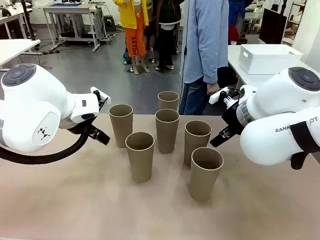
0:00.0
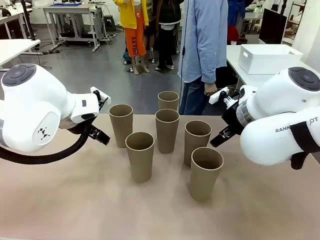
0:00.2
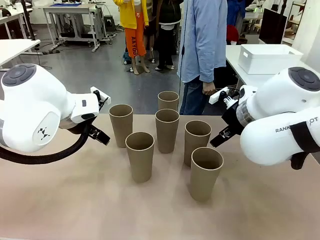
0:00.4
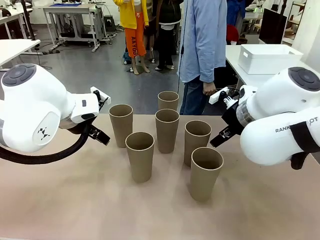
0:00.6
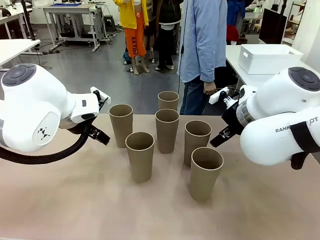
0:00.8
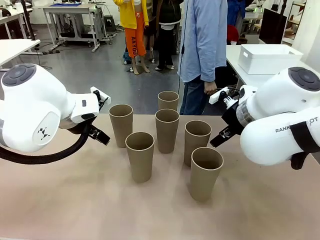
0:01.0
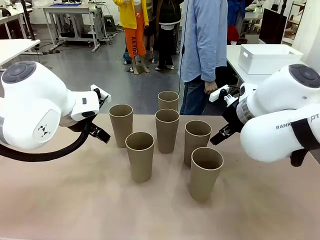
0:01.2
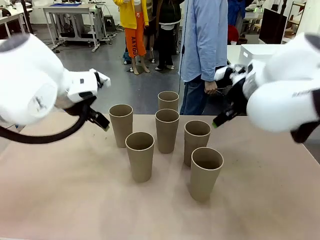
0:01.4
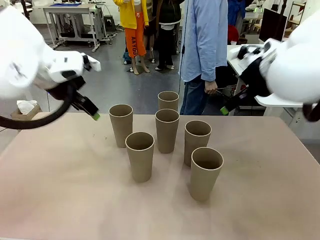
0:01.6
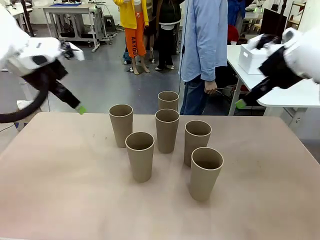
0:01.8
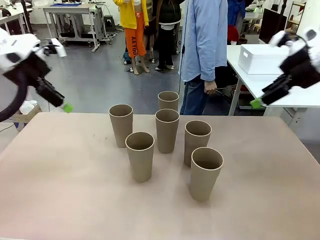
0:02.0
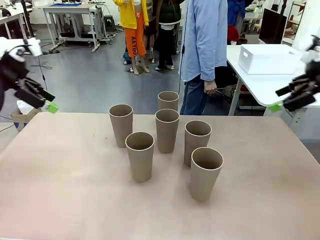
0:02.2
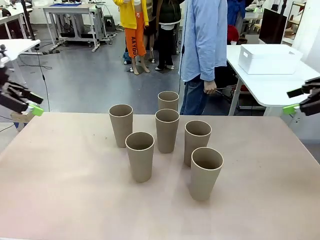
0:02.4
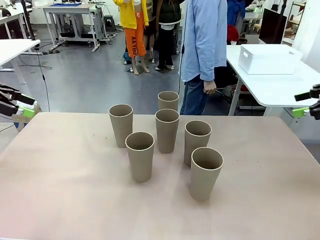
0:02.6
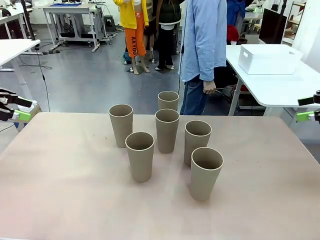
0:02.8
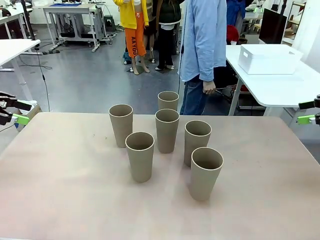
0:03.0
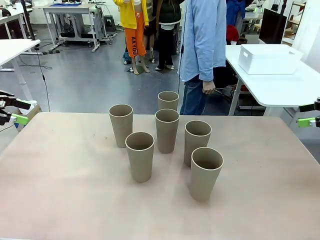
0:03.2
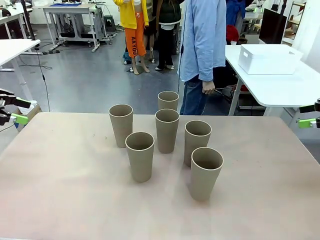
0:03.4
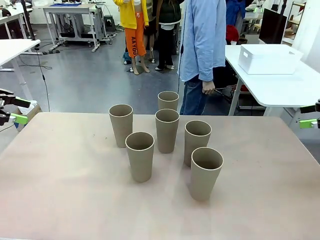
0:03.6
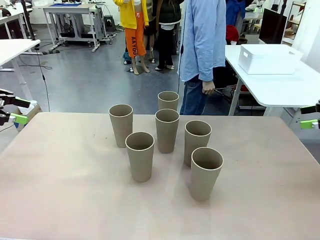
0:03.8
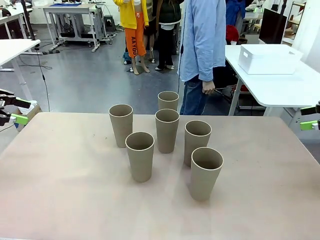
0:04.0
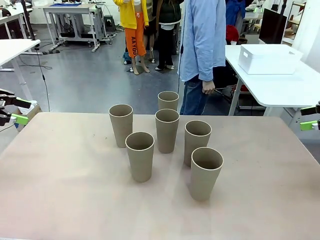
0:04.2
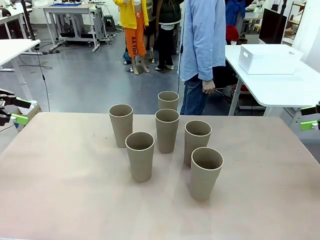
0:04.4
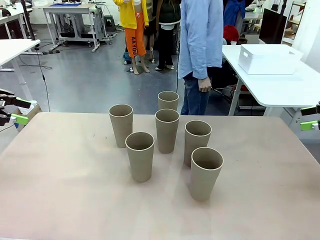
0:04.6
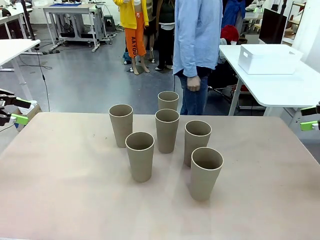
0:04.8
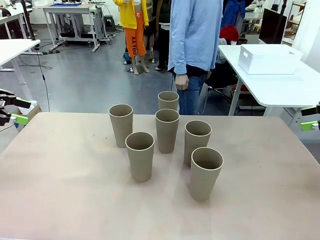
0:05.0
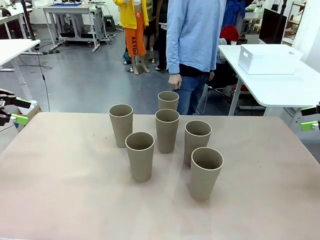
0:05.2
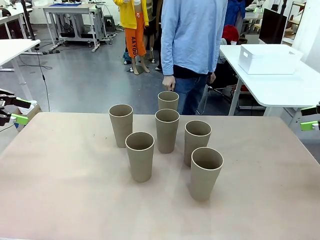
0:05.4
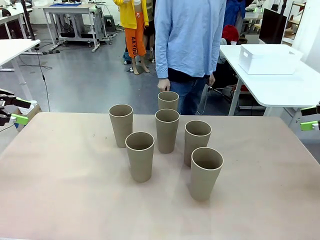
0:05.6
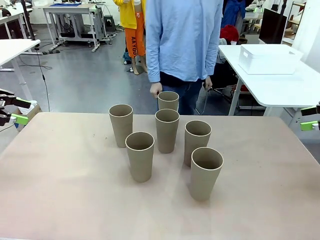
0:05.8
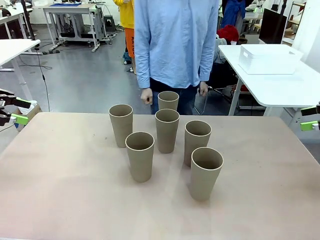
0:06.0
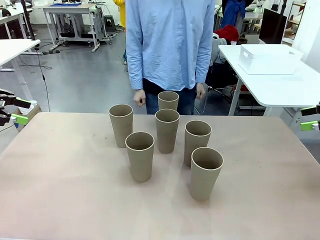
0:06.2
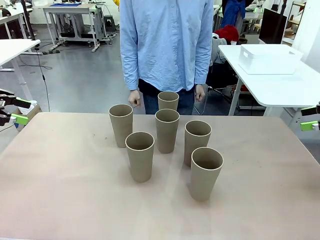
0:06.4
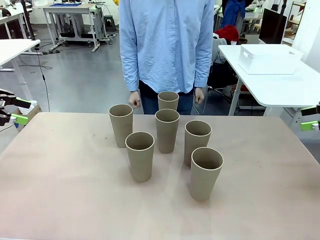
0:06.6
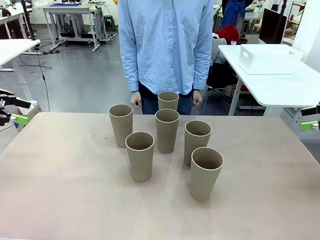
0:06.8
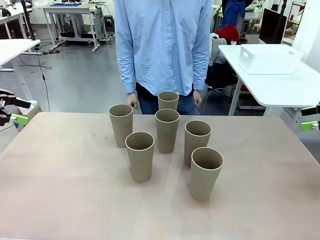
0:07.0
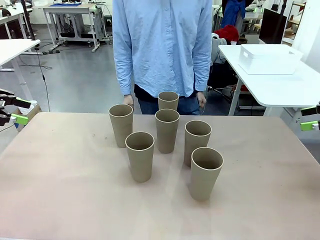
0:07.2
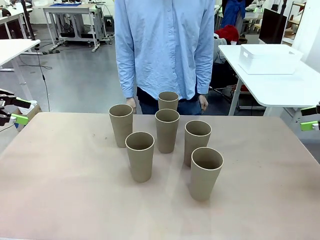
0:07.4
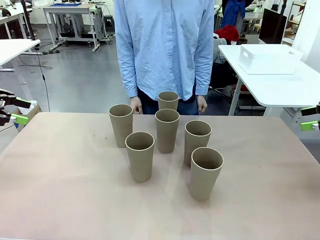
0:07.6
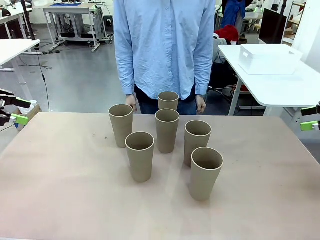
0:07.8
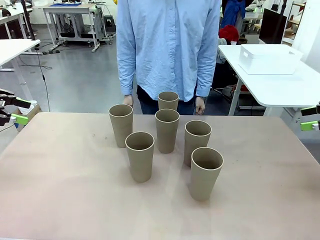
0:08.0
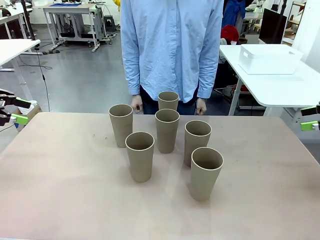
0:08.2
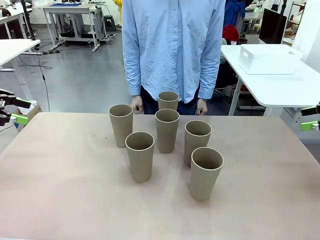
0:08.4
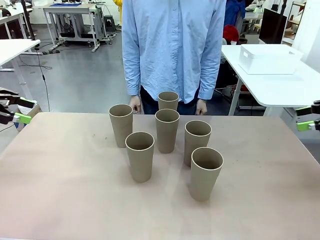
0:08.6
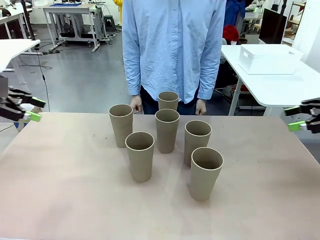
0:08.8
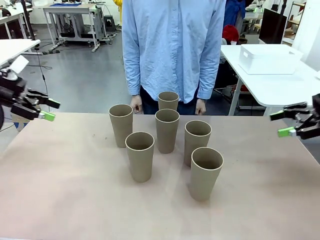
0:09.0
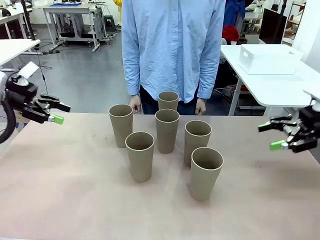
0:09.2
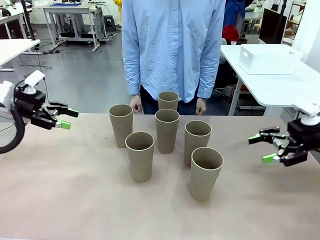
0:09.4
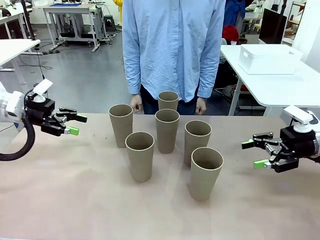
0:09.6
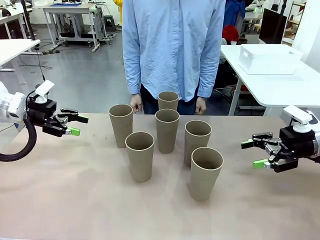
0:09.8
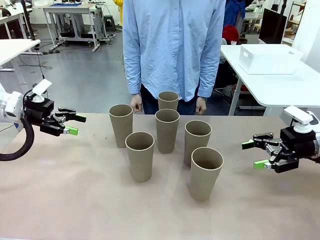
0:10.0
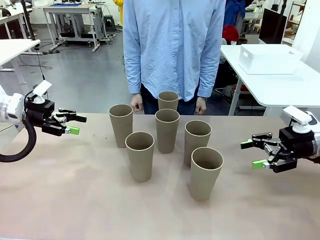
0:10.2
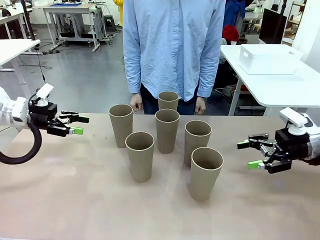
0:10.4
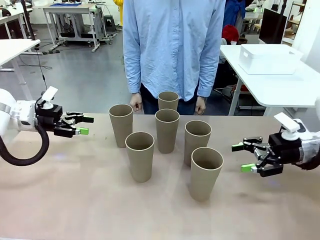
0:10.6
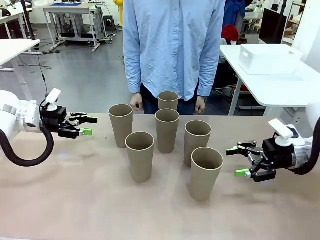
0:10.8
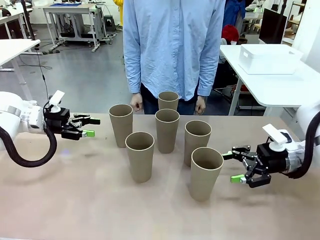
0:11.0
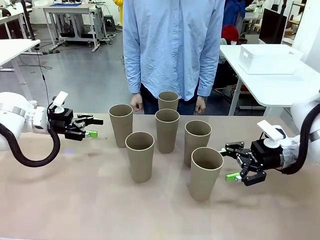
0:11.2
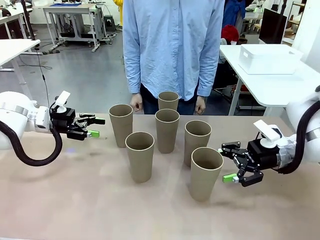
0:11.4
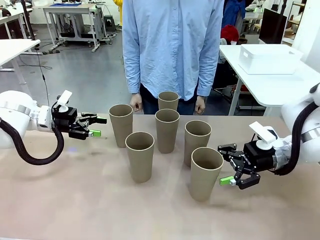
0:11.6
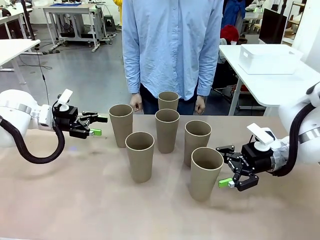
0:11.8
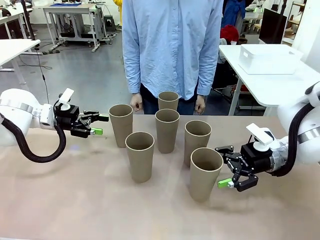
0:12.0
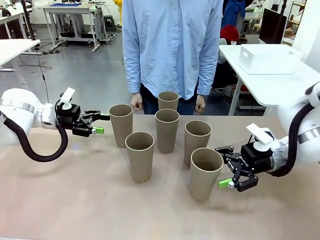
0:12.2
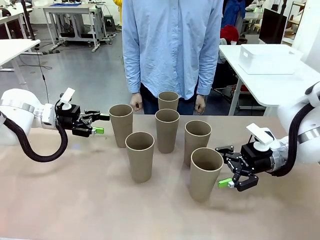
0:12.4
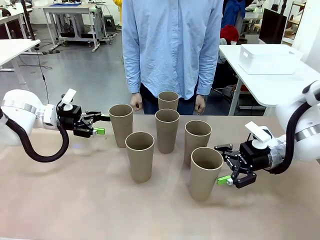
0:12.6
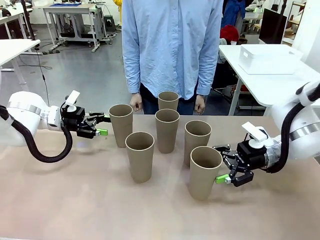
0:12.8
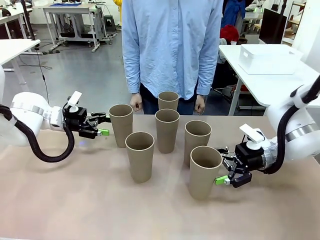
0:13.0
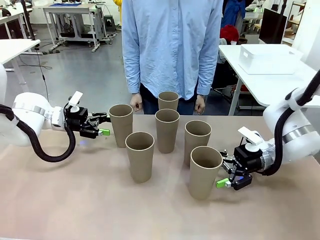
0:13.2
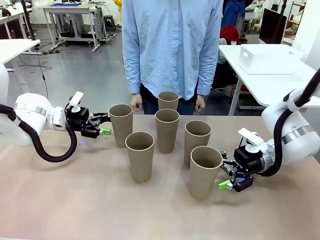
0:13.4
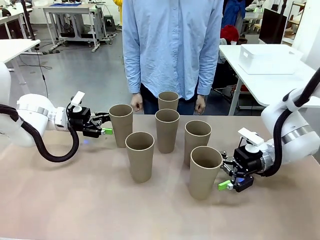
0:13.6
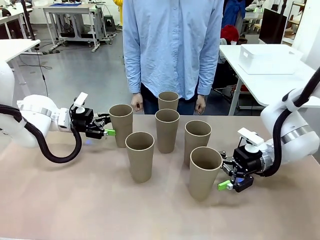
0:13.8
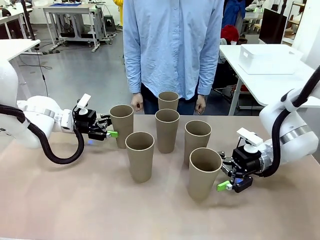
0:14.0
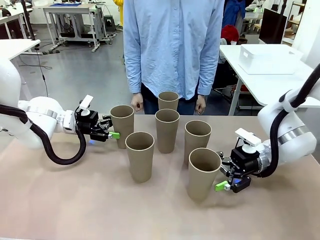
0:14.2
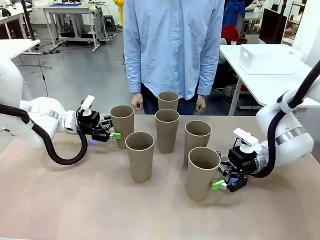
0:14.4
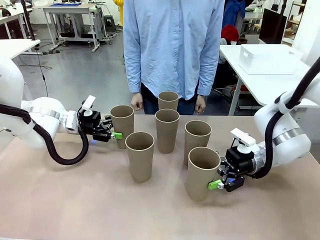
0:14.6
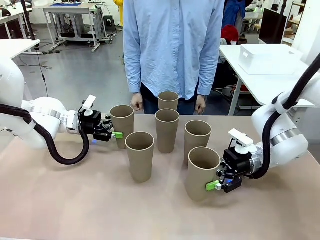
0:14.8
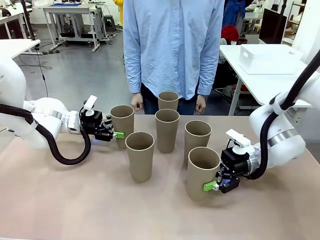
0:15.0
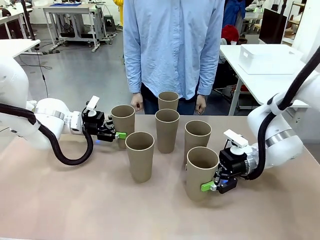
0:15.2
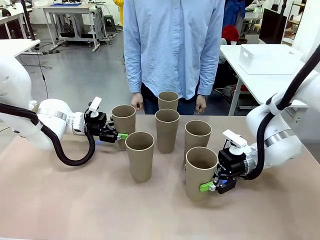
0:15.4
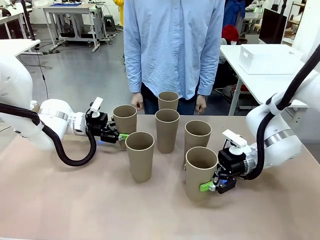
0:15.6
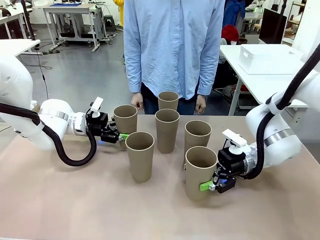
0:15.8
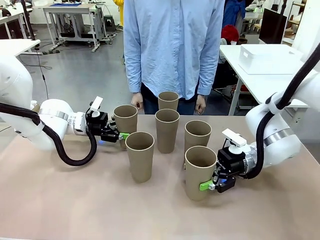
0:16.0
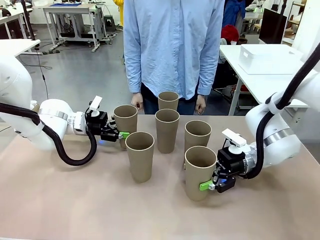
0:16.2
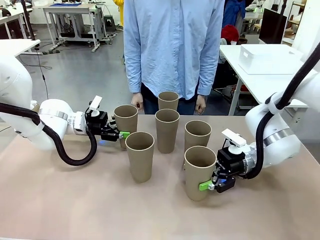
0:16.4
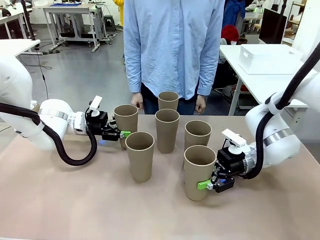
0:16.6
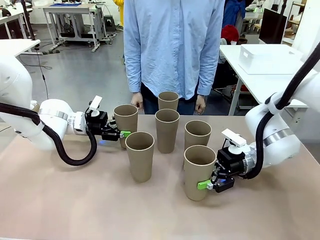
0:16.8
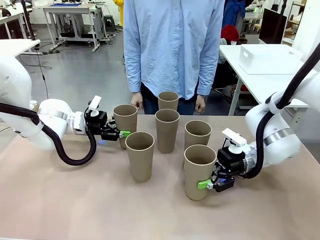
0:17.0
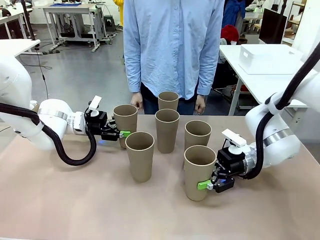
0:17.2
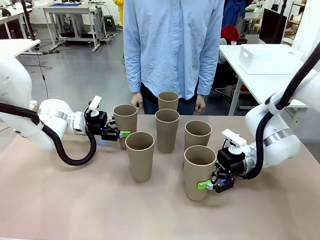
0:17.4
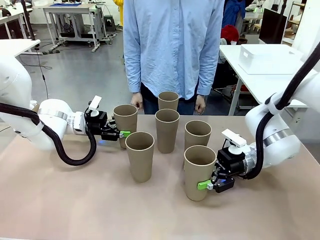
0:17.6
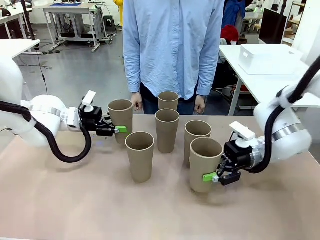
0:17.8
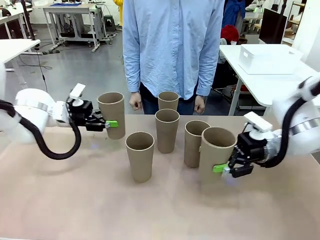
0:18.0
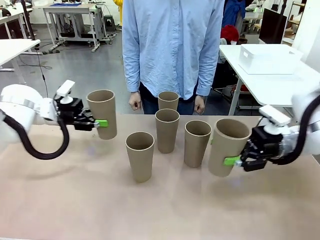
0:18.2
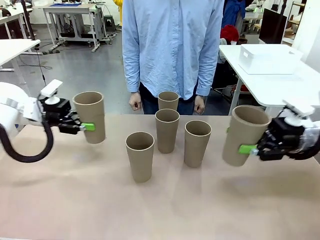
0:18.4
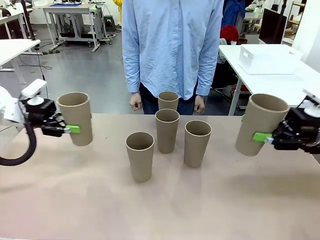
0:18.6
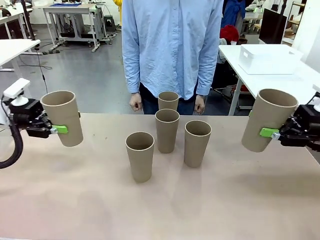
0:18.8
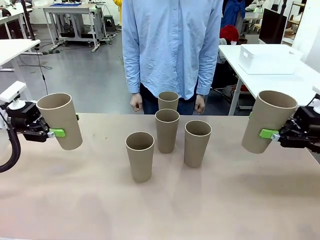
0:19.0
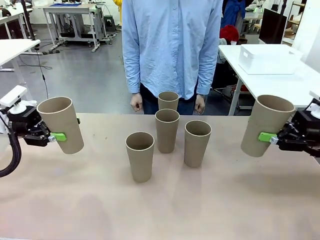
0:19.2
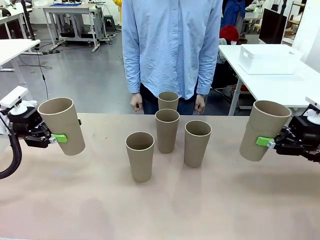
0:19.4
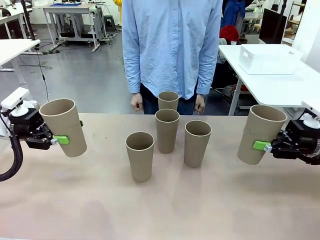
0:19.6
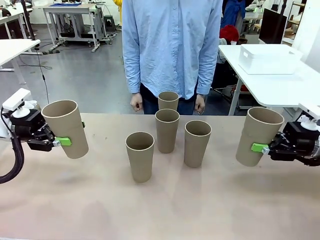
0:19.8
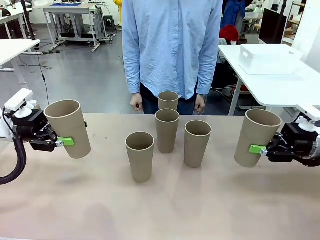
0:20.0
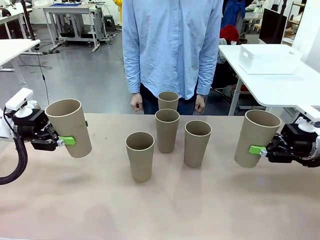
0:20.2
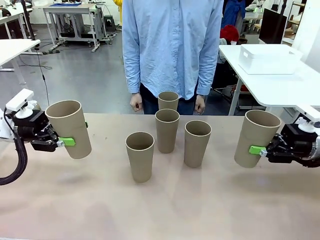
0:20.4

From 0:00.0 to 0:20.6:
Task: Stack the cups and store them in the basket.
Robot: Pick up two Reusable plastic cups , one in each hand.
Person: Move from the Human Table to the front of the Robot Table. Stack two of the remaining cups on top of each cup held by the robot.
